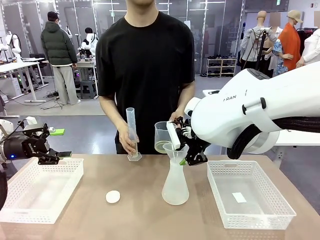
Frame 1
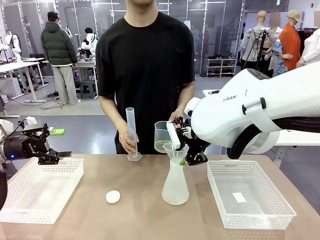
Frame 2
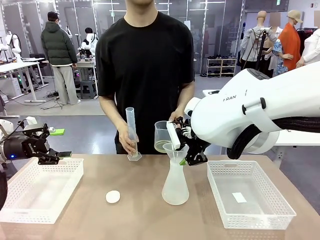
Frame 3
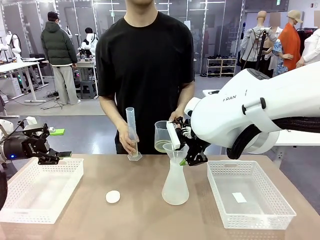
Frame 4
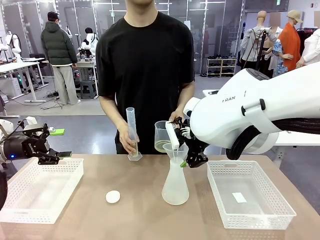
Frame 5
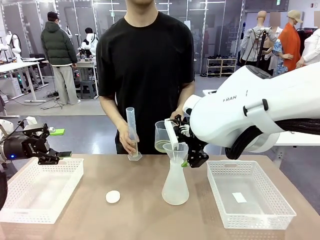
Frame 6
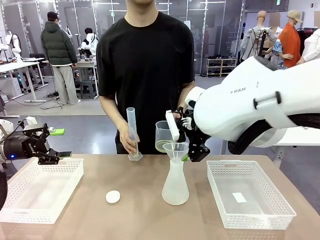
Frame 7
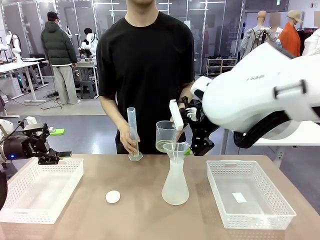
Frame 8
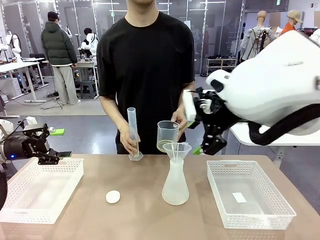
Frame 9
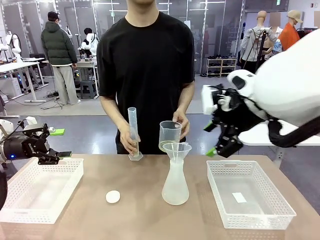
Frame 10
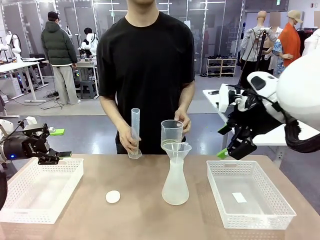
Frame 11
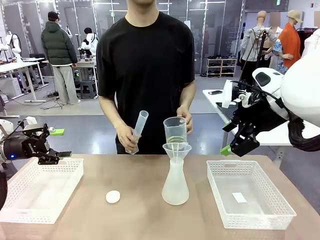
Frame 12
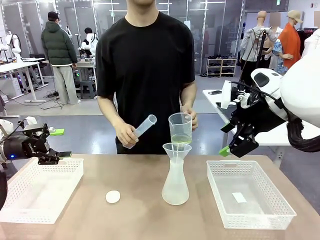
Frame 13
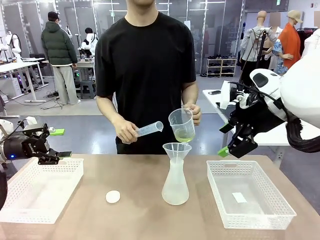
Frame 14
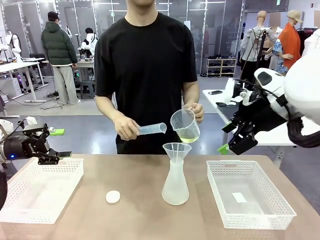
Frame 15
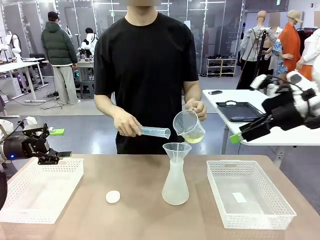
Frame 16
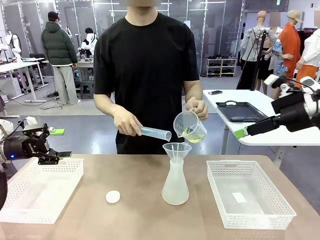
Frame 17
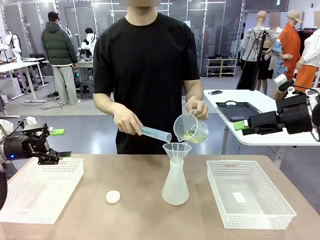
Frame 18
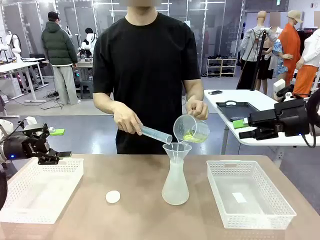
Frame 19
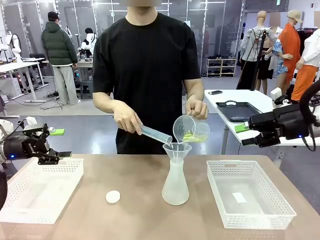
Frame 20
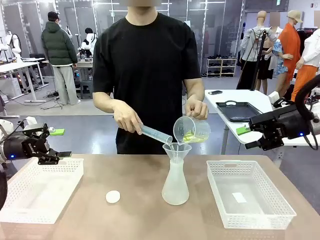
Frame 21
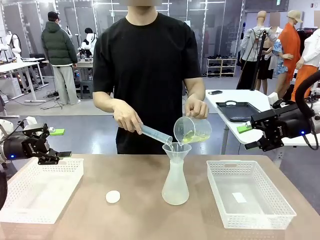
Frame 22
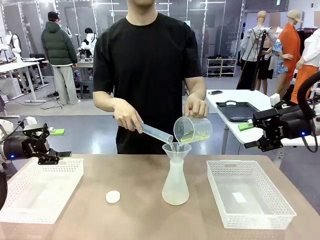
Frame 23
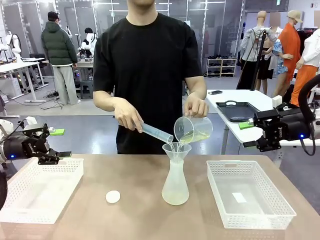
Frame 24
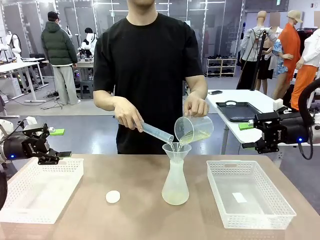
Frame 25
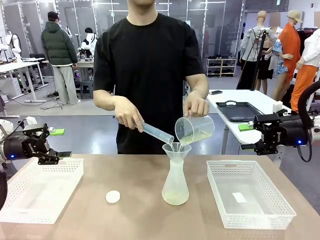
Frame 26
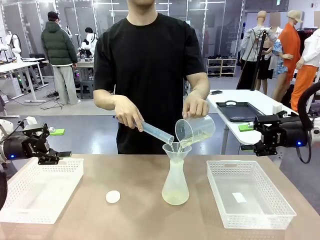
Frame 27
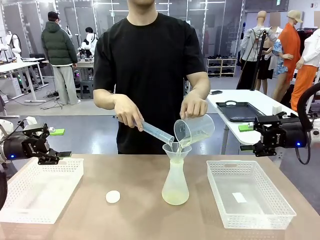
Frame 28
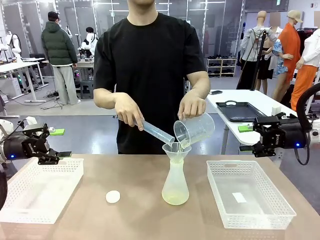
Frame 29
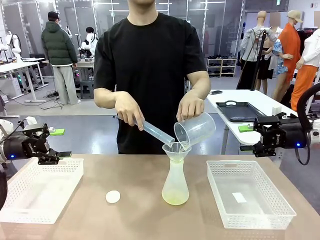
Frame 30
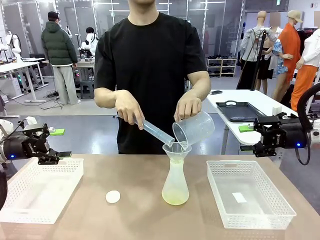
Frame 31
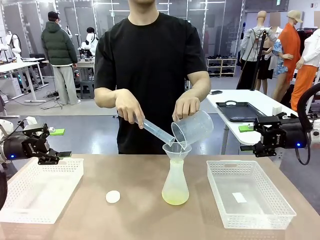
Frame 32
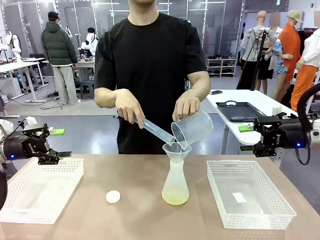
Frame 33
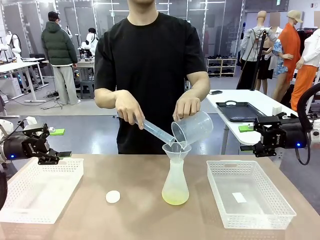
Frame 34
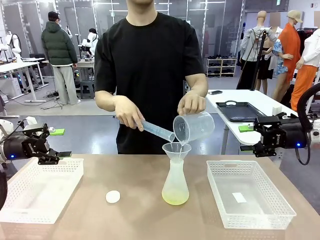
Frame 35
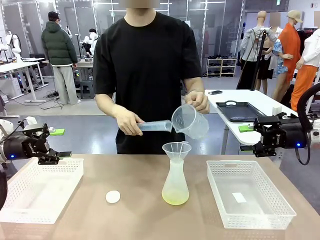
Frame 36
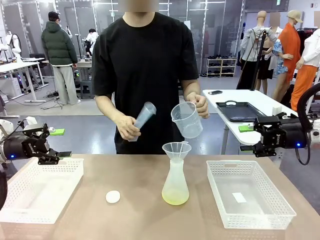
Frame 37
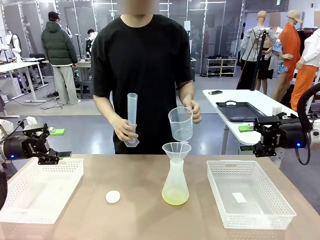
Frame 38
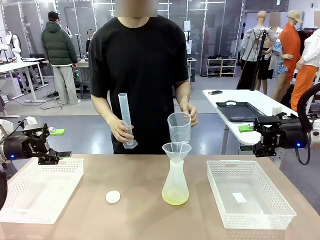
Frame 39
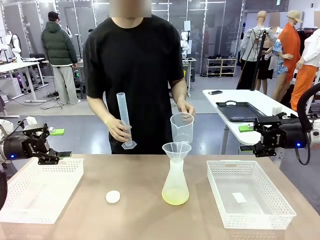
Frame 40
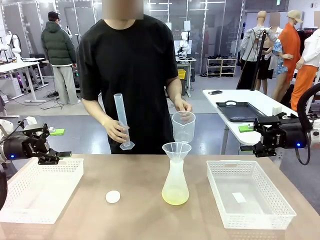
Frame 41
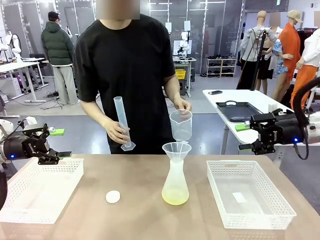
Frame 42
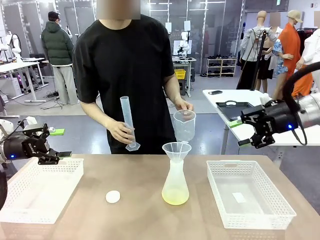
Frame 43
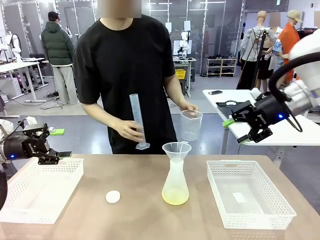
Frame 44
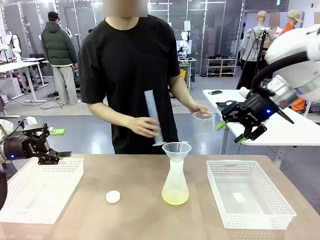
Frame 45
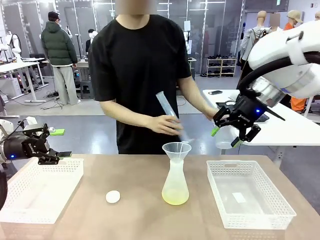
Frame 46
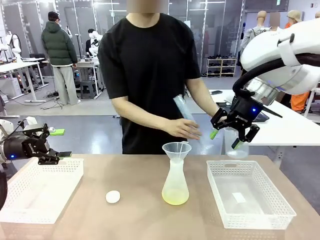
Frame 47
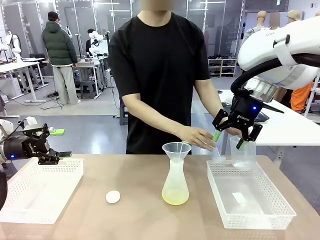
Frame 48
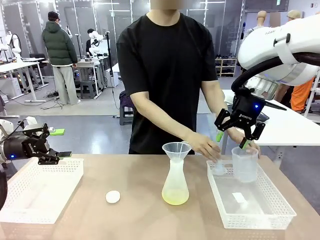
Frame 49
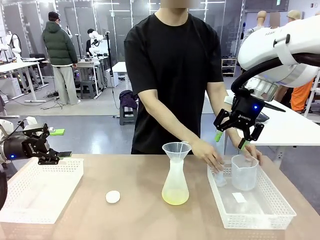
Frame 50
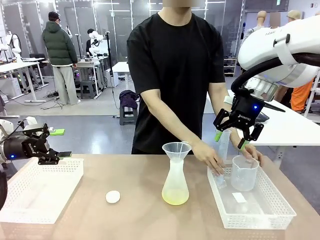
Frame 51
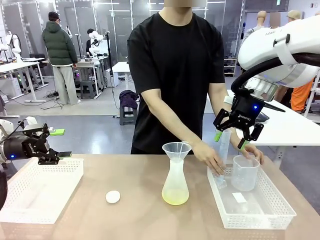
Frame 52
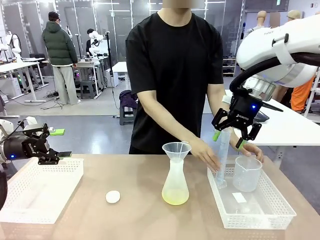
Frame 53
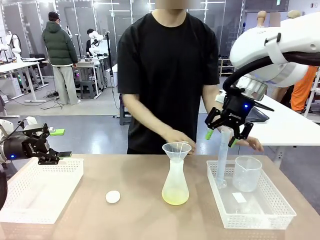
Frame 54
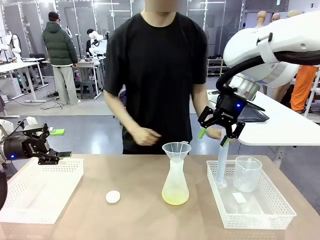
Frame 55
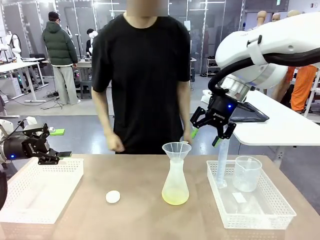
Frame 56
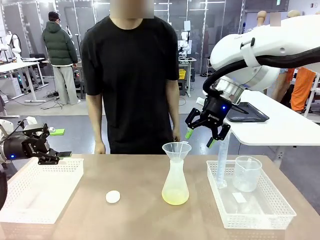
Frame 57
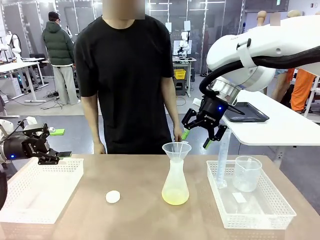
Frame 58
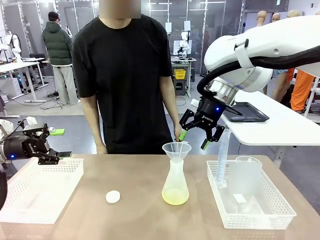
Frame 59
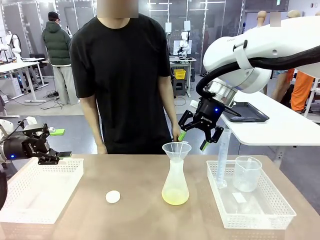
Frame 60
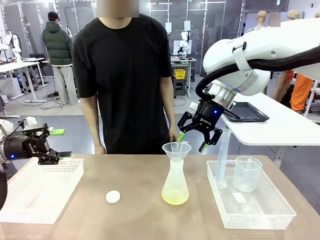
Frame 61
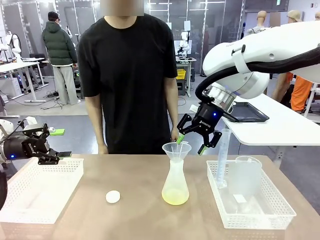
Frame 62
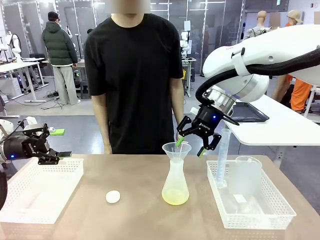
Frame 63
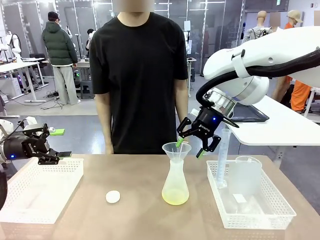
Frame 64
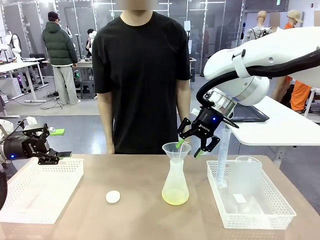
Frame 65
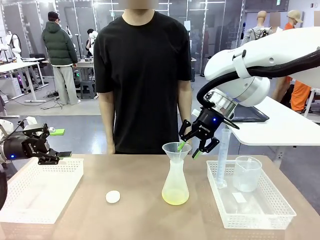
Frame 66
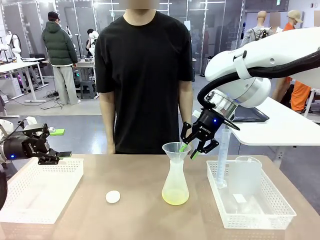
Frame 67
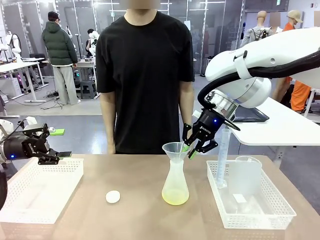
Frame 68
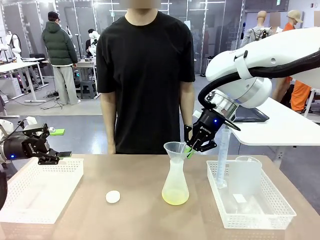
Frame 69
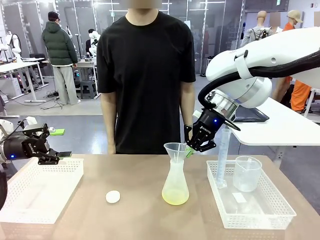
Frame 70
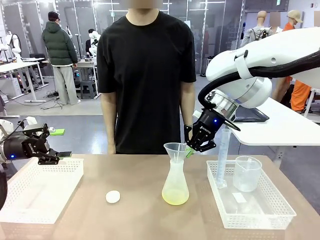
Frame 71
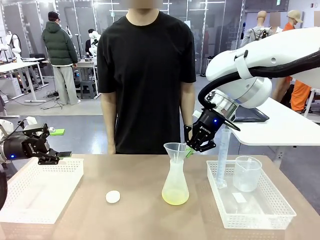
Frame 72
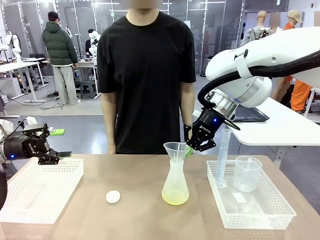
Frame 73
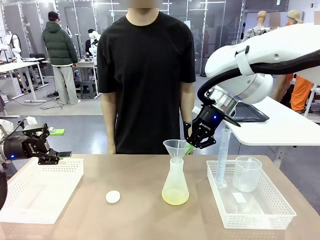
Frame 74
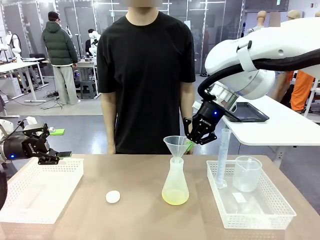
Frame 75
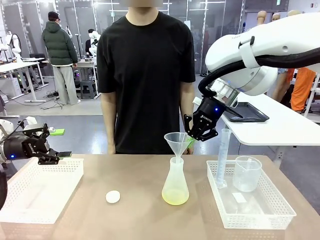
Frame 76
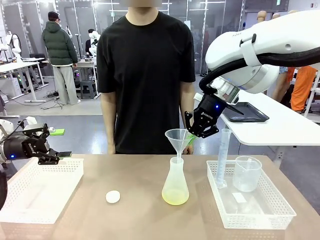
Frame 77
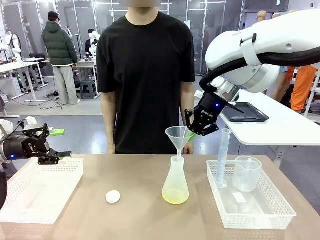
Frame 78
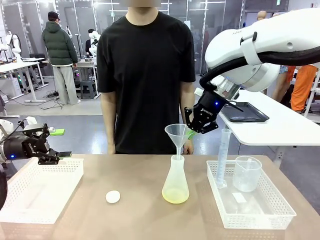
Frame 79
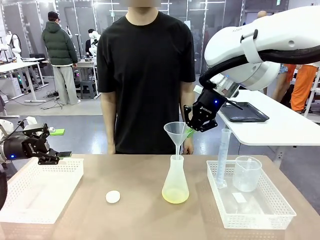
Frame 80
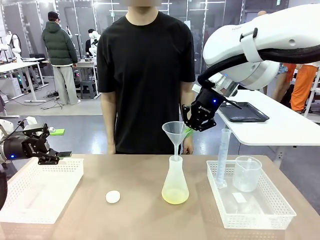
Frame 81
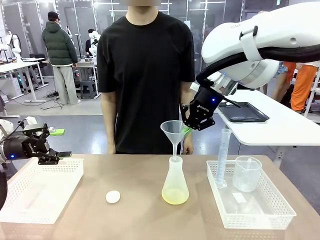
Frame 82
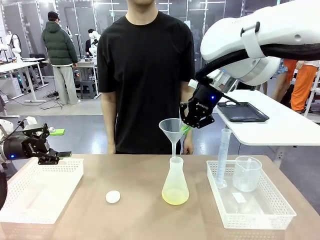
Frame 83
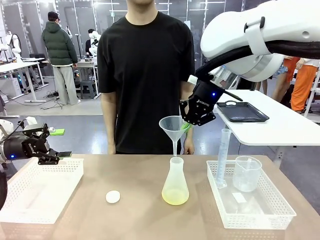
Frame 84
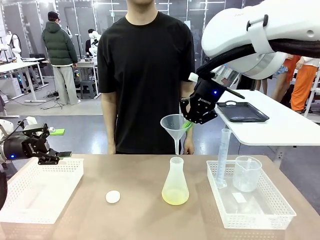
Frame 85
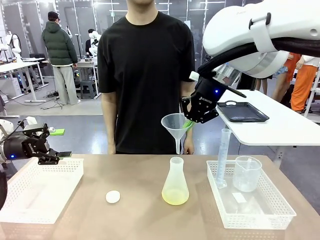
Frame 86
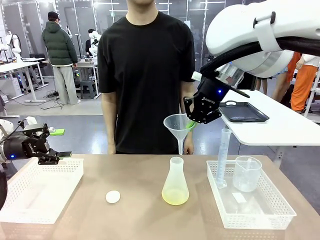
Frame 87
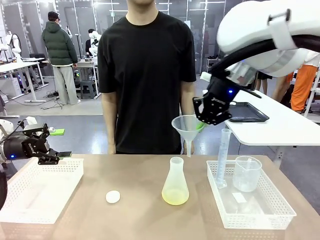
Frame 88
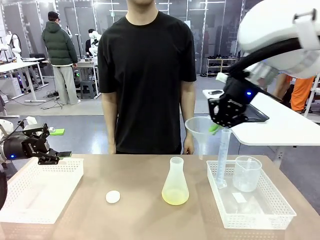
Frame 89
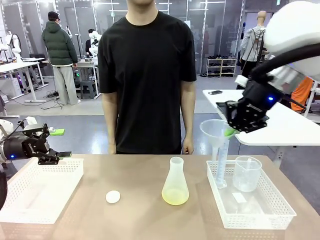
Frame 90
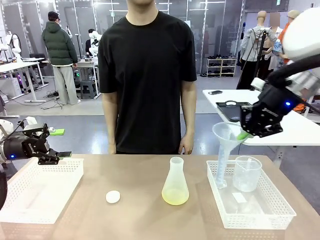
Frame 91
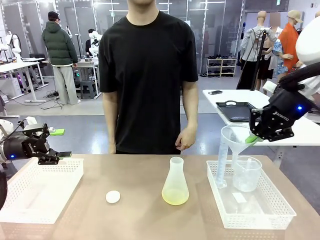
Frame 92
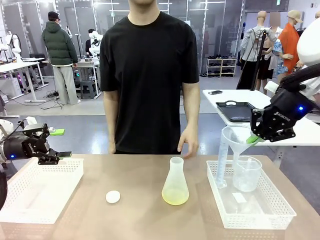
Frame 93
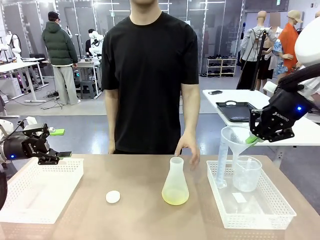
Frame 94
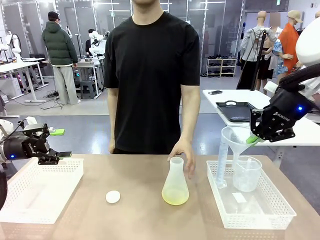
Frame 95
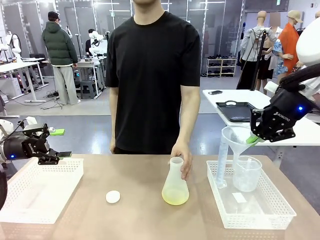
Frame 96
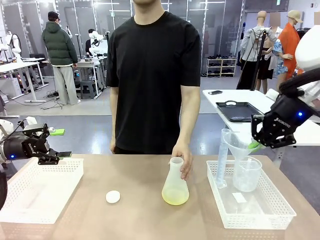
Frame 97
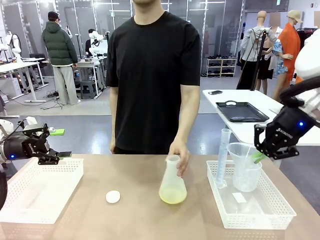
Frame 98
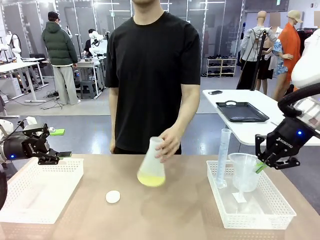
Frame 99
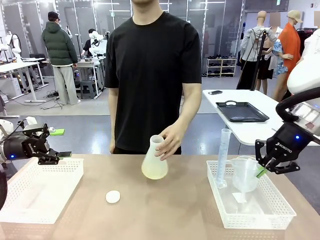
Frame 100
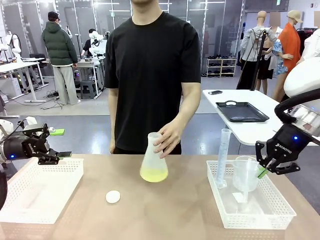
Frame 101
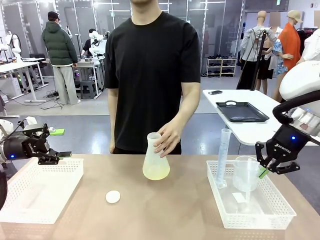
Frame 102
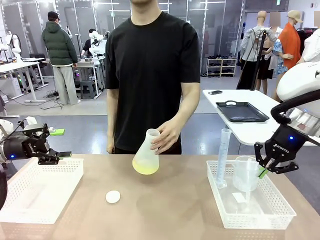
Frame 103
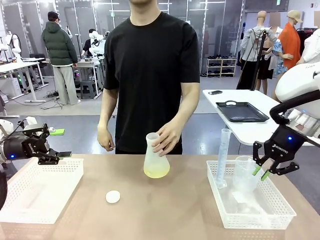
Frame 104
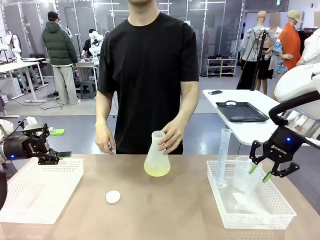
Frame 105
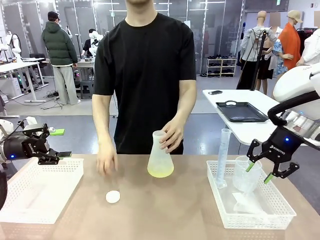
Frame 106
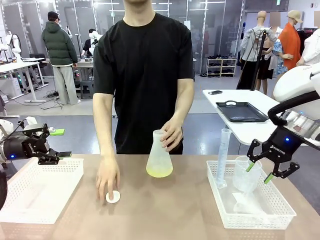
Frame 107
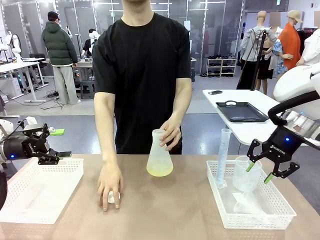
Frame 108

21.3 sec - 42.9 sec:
Task: Prepare the solutions needed for the experiment.
Robot: Once the solution is in the Big flask , pick up the Plastic Funnel and place it back into the right Organizing basket.
Person: Place the beaker and the cylinder into the organizing basket on the left side. Pick up the flask, gently shake it 2–3 times, place it in the middle of the robot table, and close the lid.
